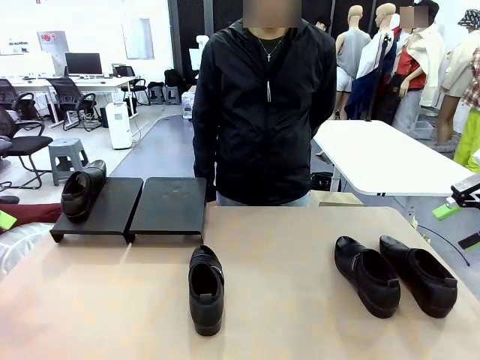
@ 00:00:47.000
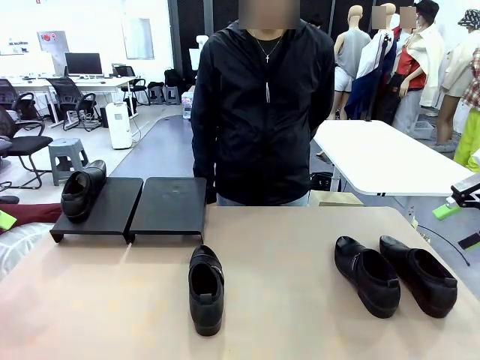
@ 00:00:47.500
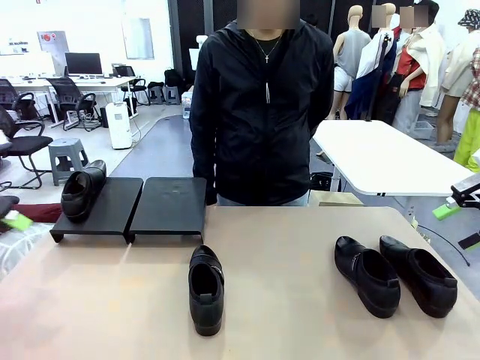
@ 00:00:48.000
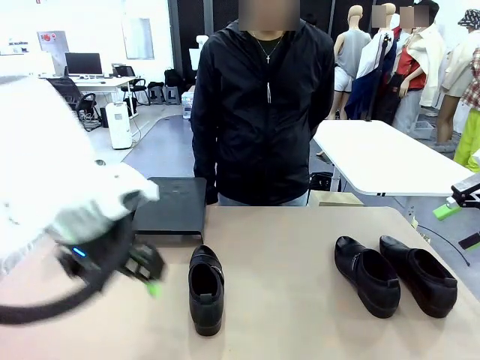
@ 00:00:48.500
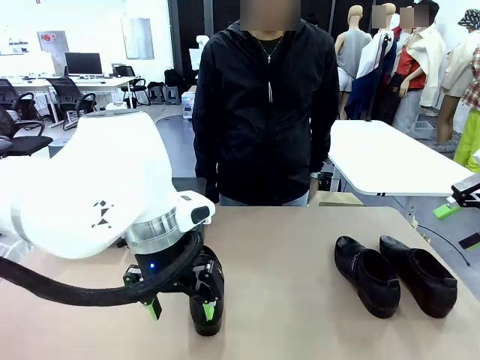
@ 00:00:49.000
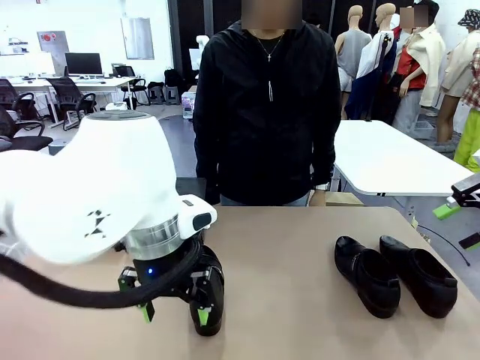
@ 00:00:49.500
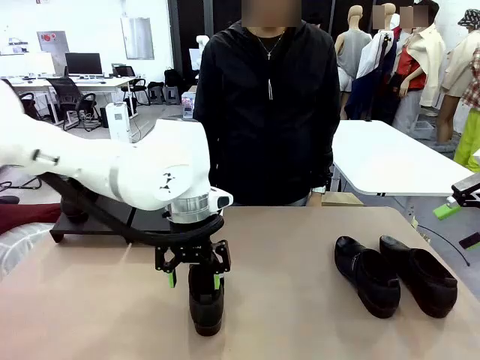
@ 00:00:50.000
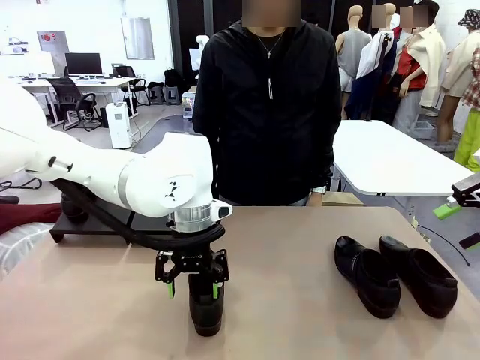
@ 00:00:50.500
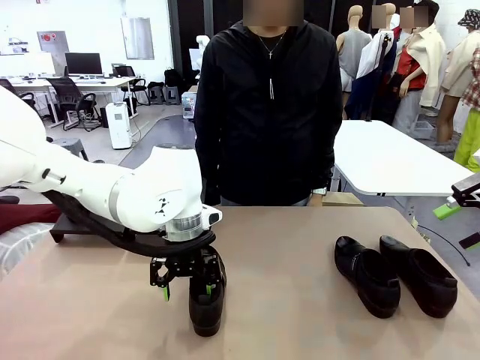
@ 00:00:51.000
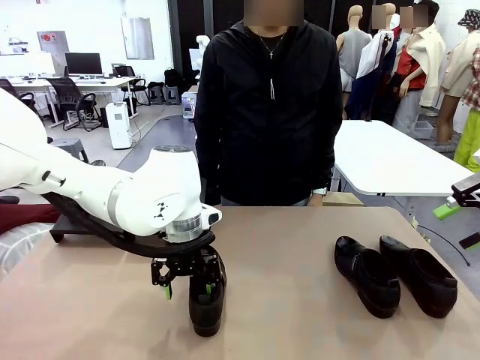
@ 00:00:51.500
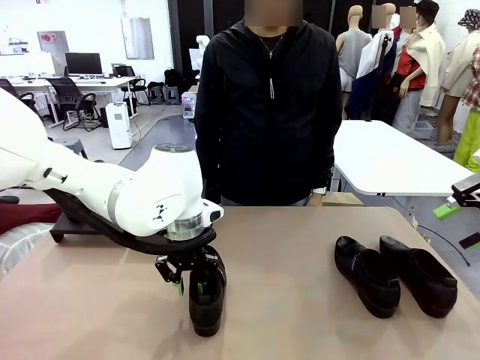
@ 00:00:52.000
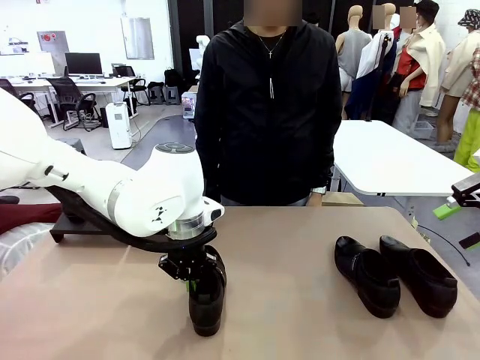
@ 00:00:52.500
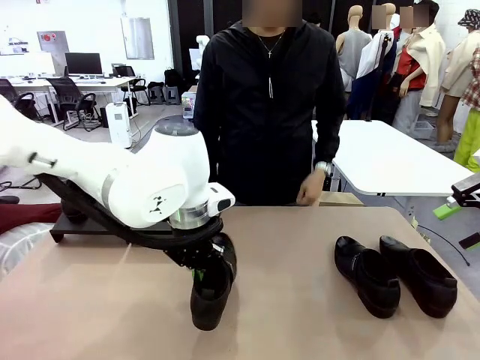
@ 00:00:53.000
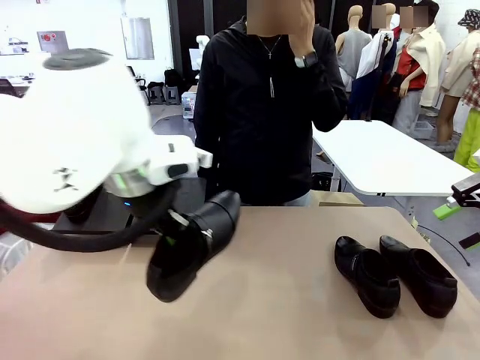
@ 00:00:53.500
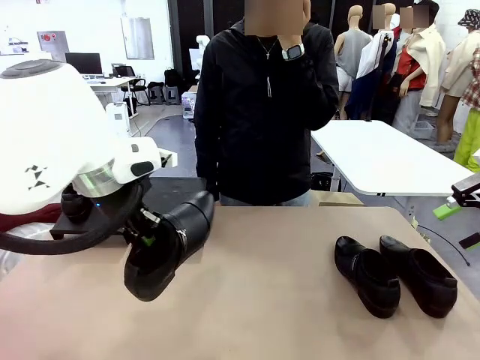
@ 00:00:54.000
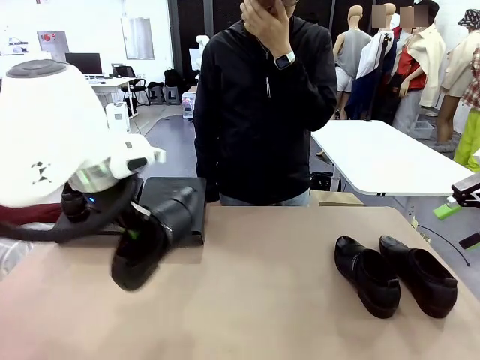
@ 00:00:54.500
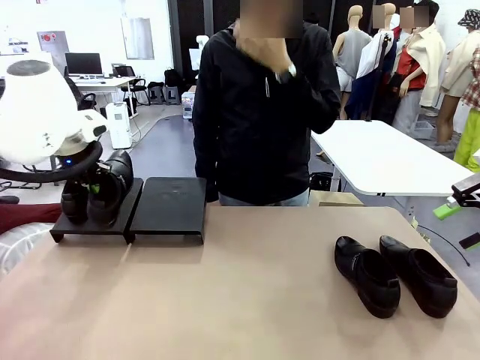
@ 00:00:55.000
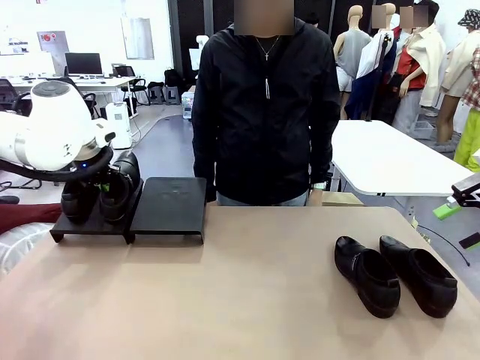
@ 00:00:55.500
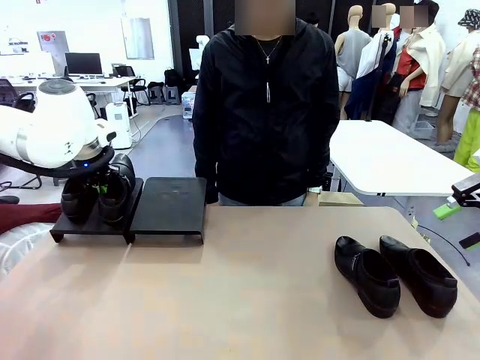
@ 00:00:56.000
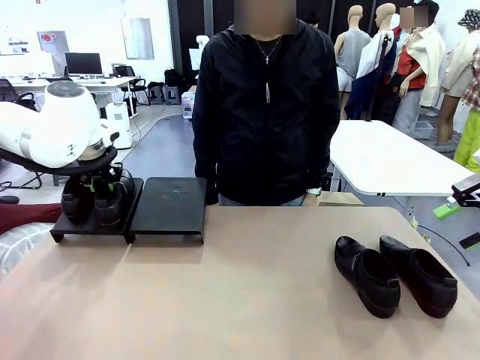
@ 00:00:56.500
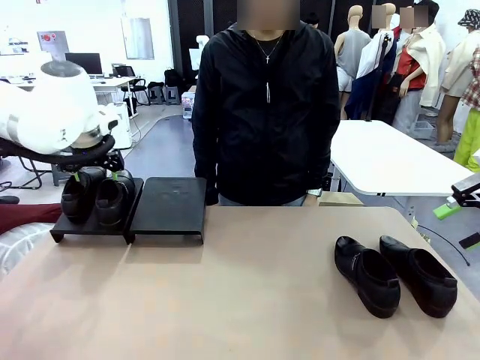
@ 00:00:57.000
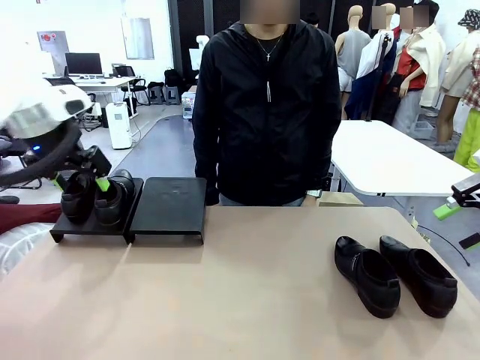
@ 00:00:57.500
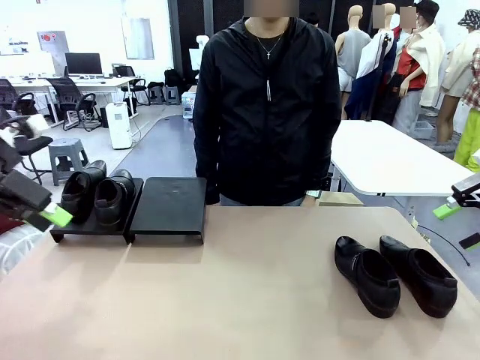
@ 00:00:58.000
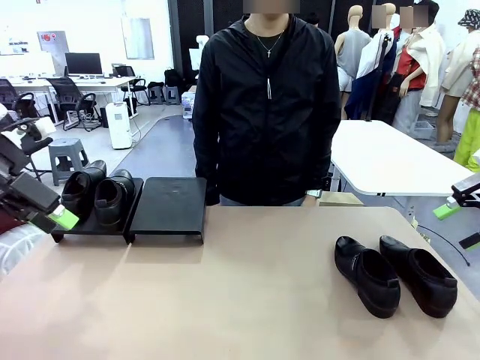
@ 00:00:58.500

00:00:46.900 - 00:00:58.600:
Task: Organize the shoes by placing them on the stand.
Robot: Place the Shoe from the middle of the table onto the Shoes Stand.

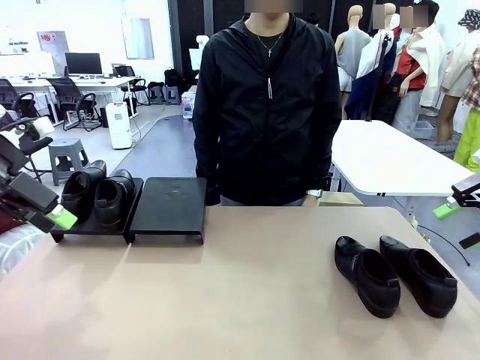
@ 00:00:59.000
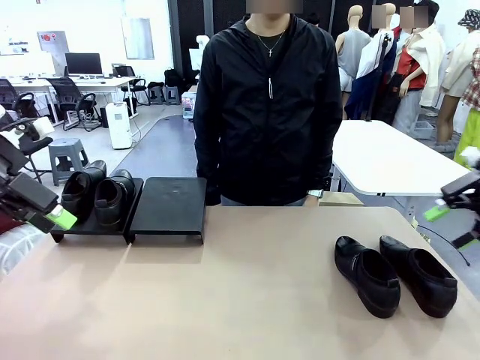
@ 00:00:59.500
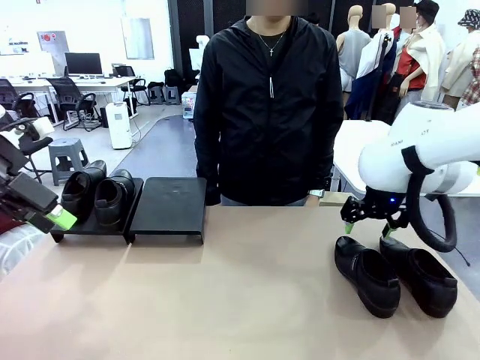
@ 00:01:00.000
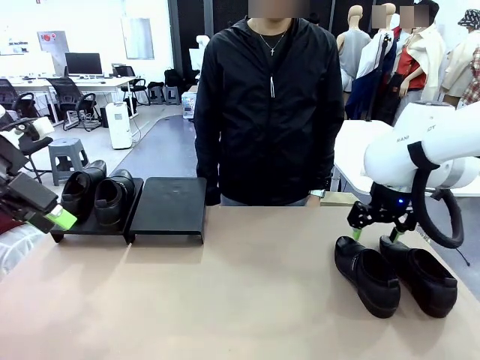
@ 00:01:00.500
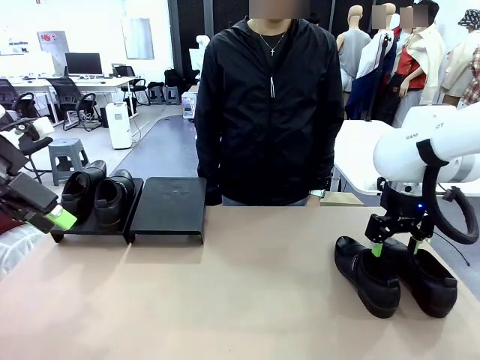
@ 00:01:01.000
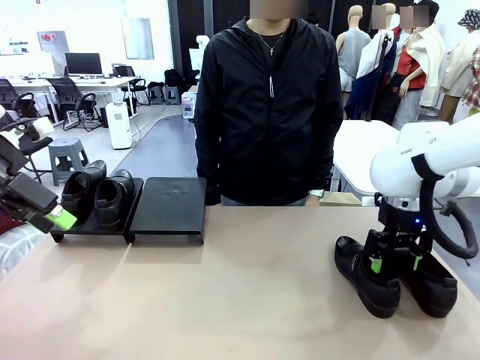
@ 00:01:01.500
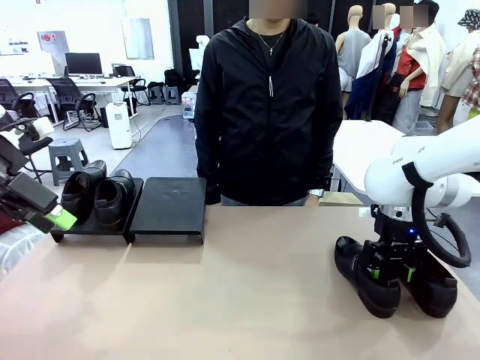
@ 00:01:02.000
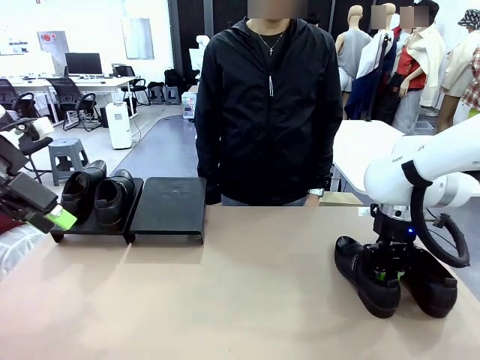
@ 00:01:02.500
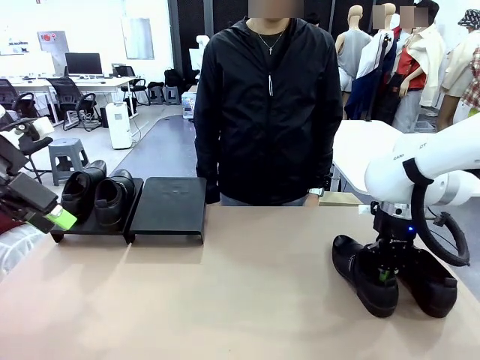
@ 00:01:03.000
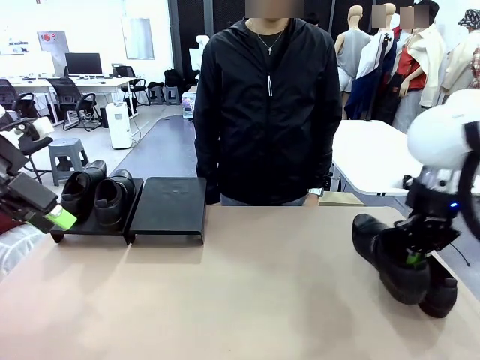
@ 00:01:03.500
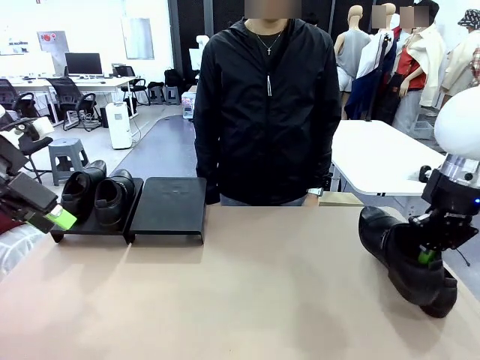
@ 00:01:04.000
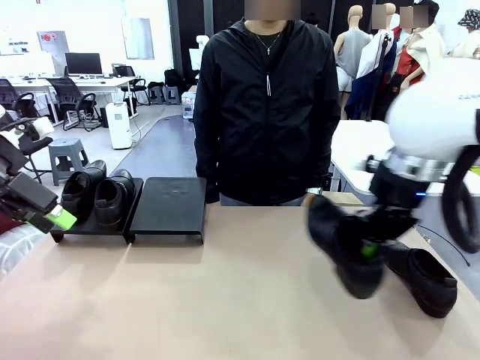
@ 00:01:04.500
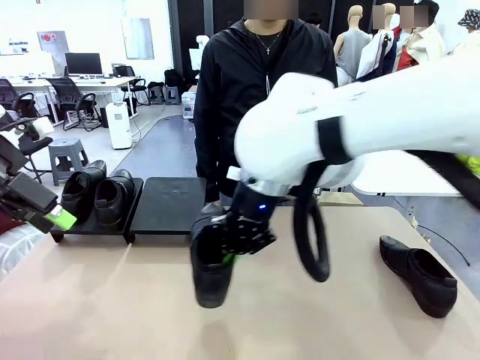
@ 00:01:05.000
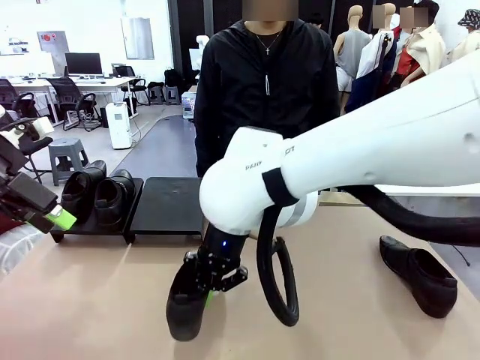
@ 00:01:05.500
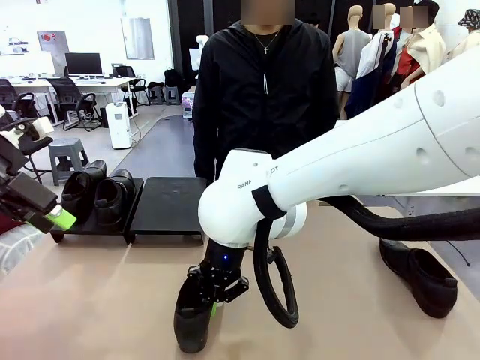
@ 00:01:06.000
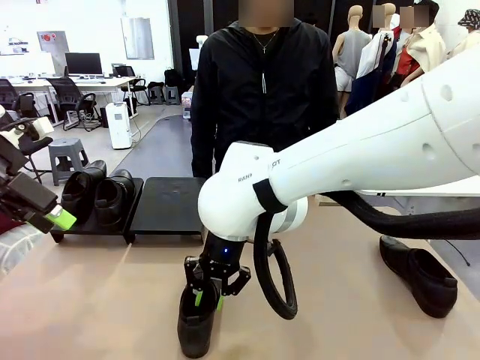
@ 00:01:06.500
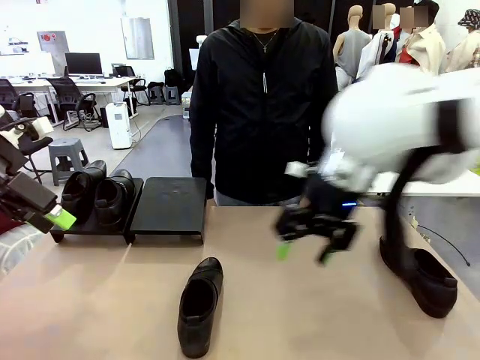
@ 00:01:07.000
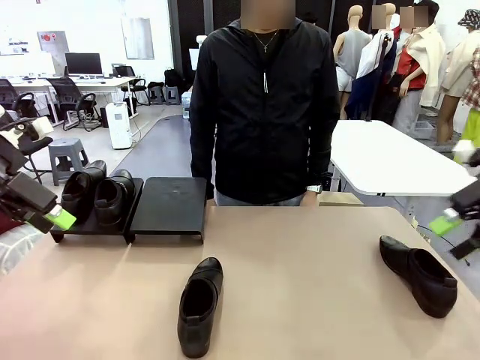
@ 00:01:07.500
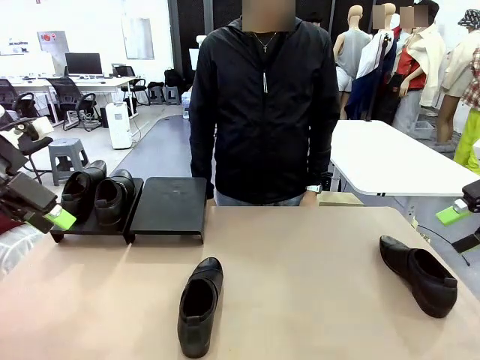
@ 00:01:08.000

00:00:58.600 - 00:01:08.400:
Robot: Pick up one Shoe and place it in the middle of the table.
